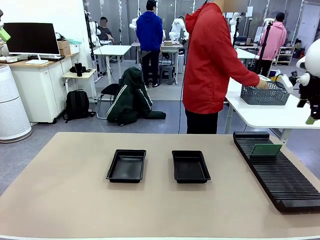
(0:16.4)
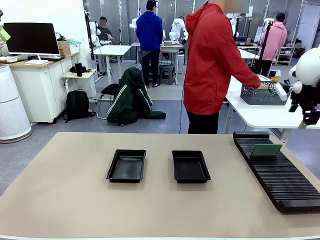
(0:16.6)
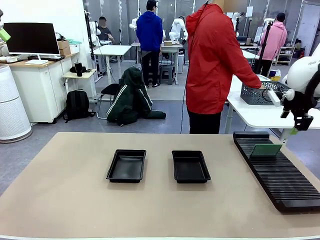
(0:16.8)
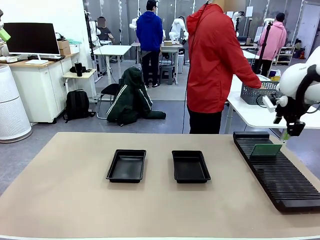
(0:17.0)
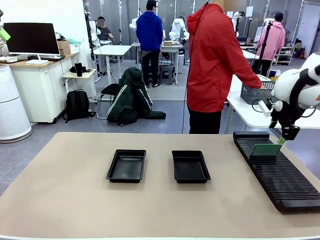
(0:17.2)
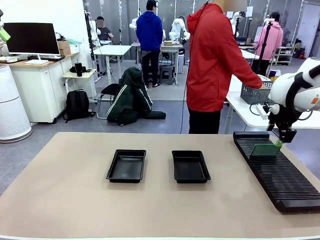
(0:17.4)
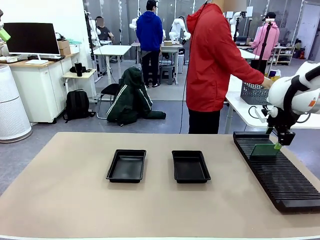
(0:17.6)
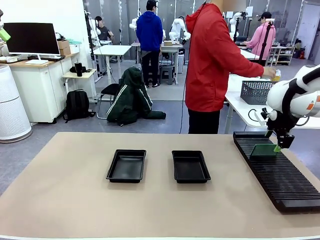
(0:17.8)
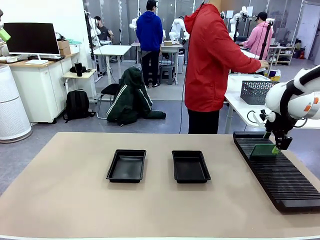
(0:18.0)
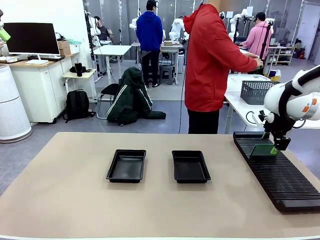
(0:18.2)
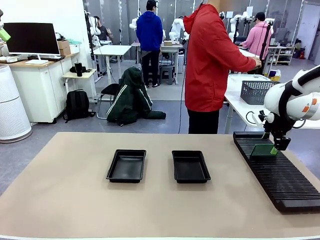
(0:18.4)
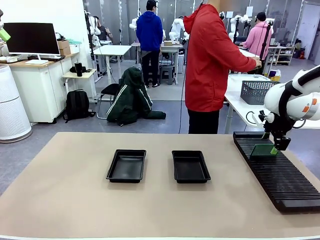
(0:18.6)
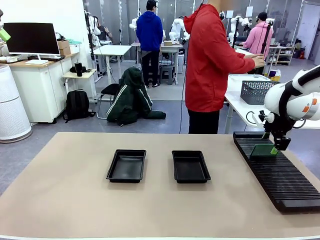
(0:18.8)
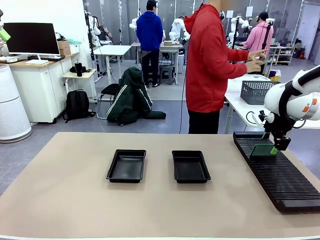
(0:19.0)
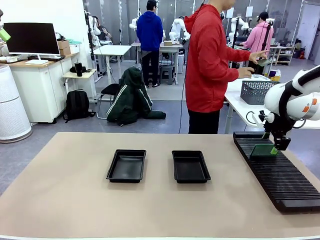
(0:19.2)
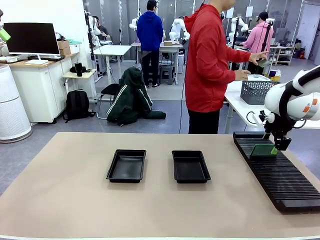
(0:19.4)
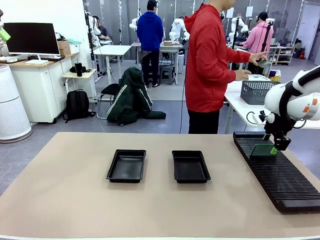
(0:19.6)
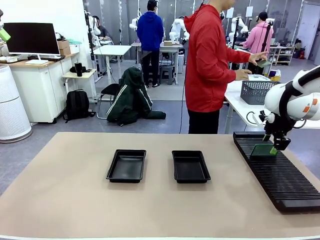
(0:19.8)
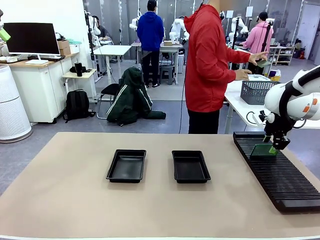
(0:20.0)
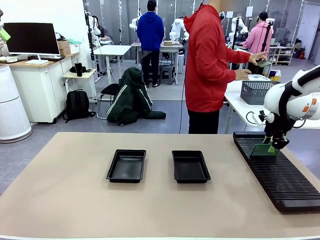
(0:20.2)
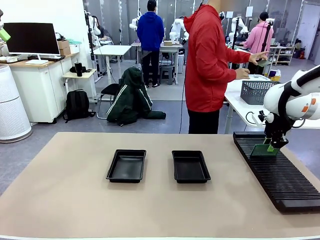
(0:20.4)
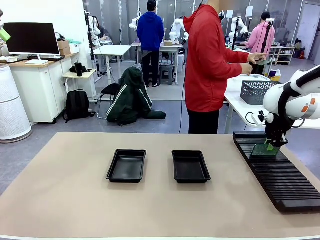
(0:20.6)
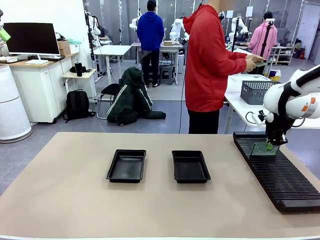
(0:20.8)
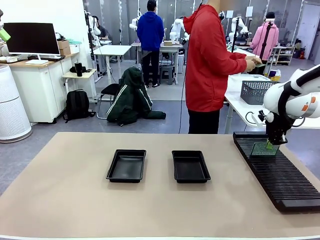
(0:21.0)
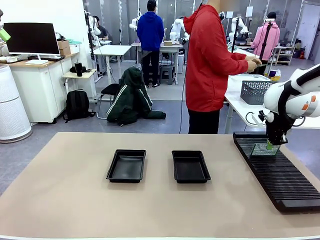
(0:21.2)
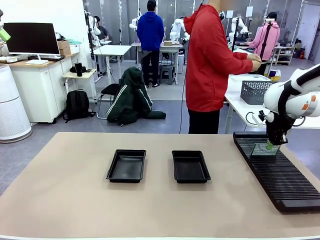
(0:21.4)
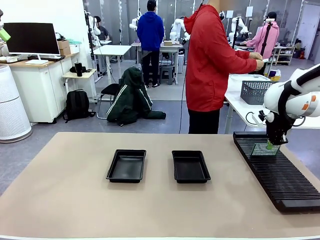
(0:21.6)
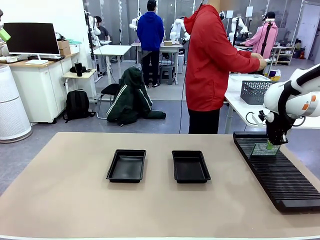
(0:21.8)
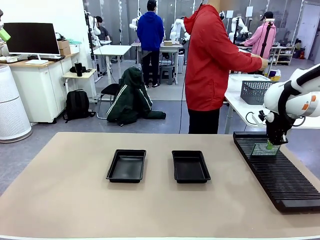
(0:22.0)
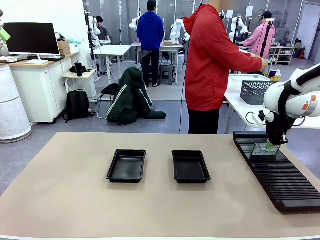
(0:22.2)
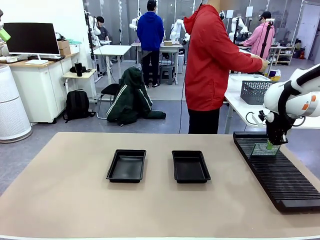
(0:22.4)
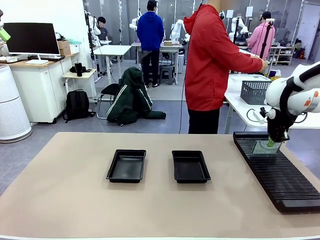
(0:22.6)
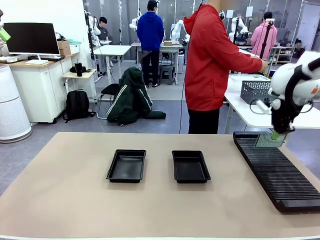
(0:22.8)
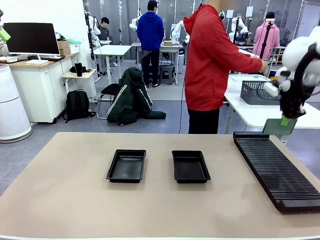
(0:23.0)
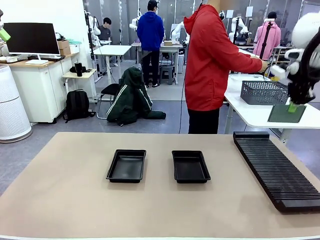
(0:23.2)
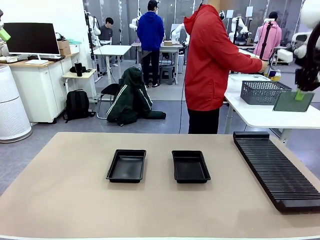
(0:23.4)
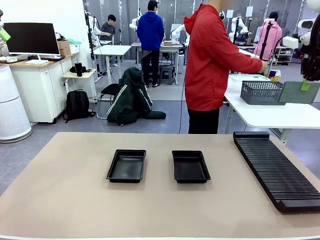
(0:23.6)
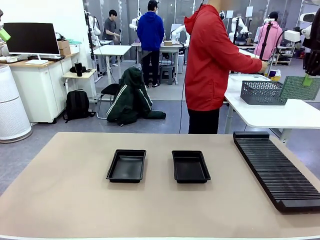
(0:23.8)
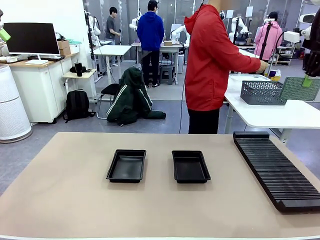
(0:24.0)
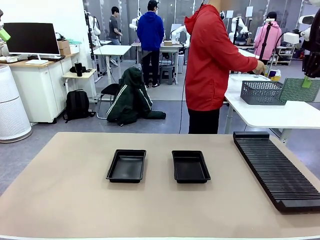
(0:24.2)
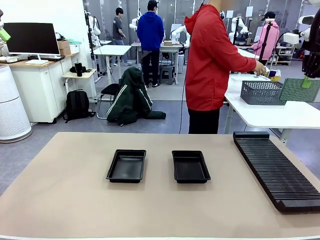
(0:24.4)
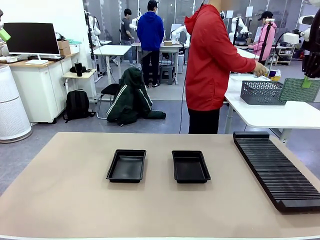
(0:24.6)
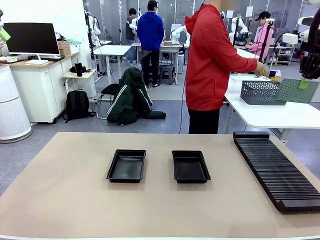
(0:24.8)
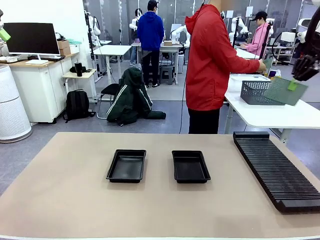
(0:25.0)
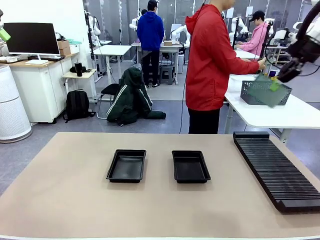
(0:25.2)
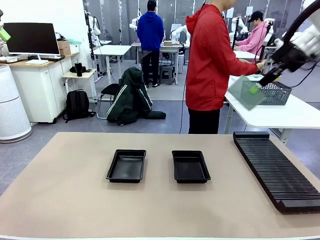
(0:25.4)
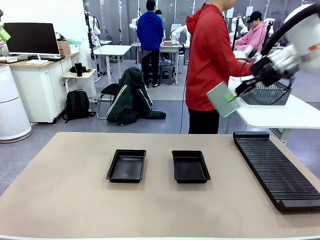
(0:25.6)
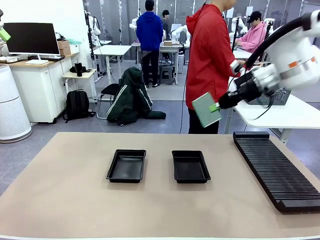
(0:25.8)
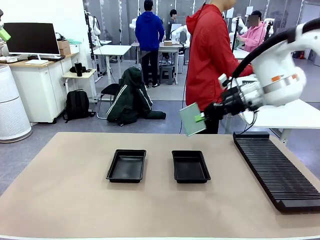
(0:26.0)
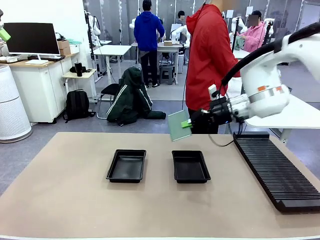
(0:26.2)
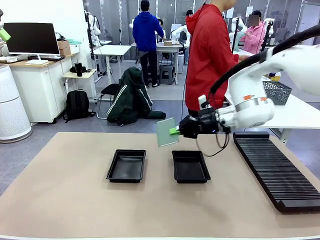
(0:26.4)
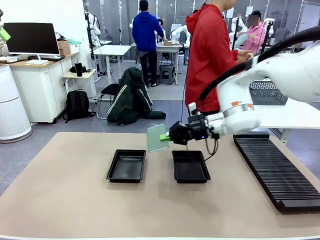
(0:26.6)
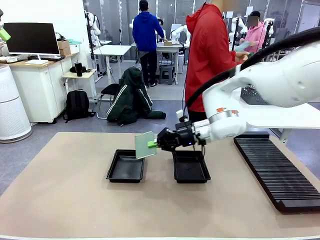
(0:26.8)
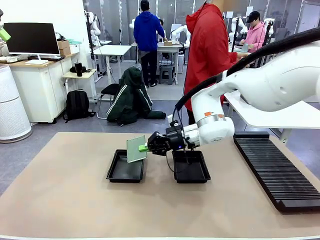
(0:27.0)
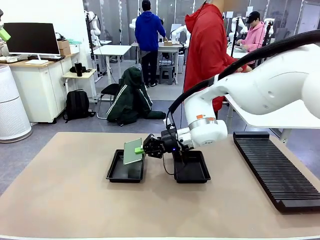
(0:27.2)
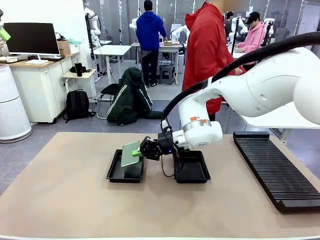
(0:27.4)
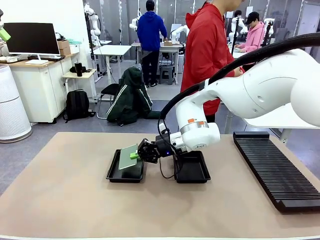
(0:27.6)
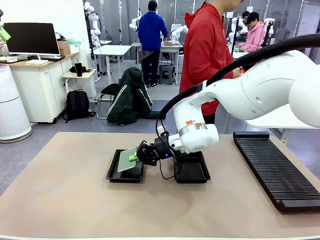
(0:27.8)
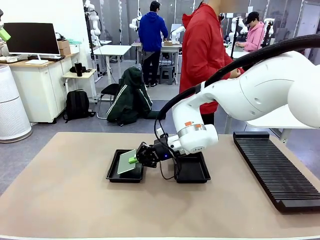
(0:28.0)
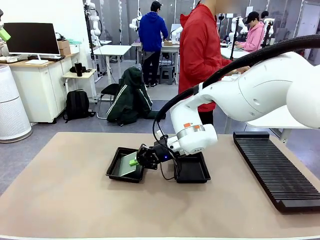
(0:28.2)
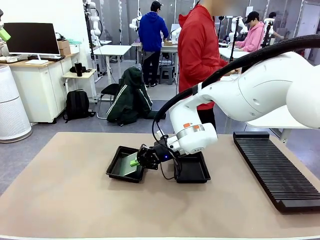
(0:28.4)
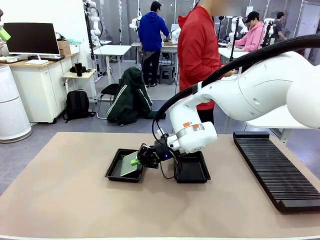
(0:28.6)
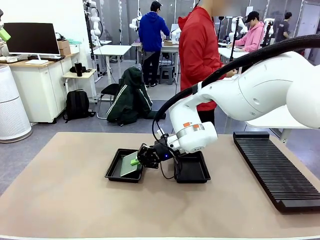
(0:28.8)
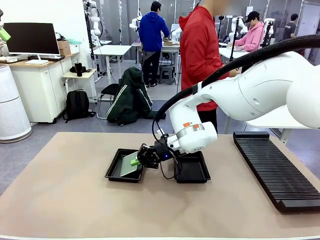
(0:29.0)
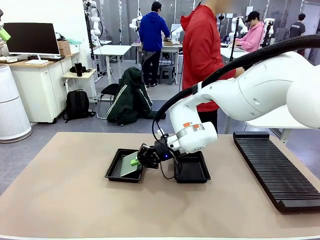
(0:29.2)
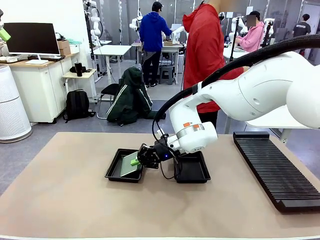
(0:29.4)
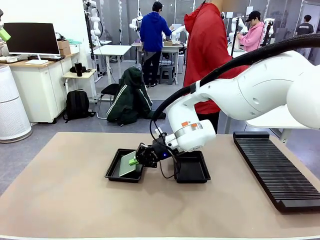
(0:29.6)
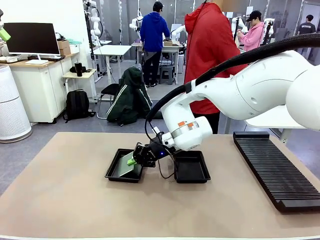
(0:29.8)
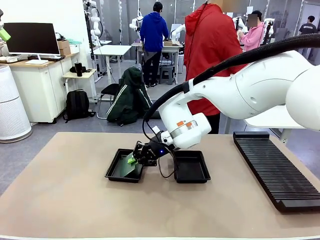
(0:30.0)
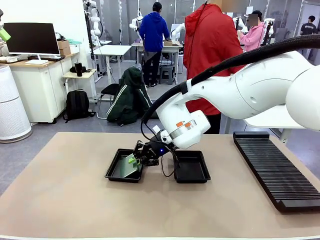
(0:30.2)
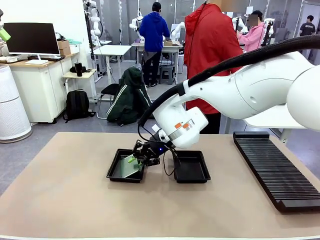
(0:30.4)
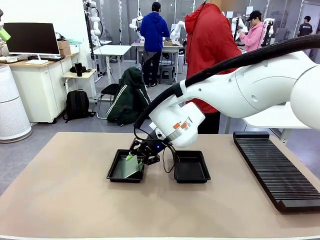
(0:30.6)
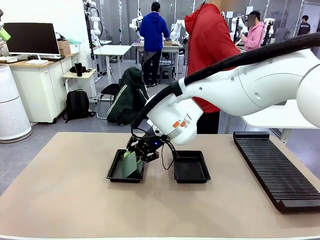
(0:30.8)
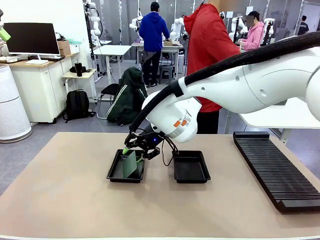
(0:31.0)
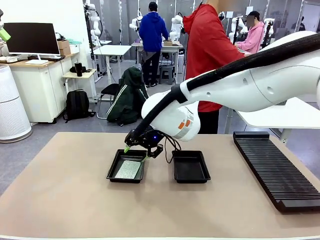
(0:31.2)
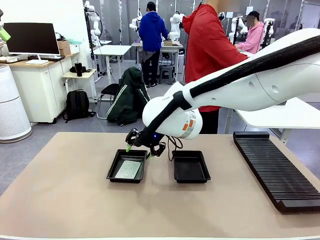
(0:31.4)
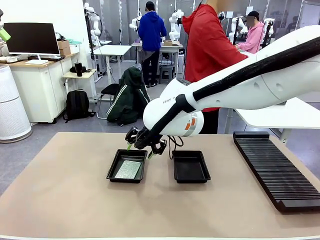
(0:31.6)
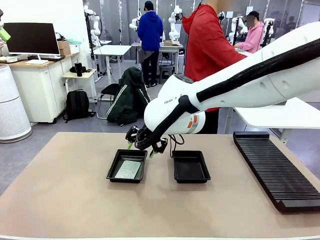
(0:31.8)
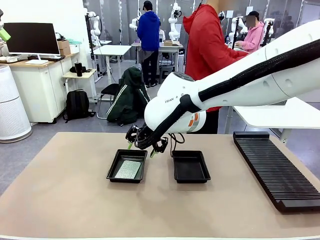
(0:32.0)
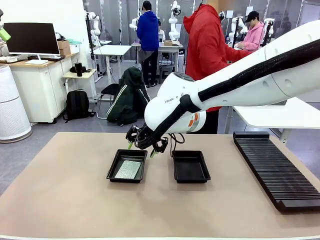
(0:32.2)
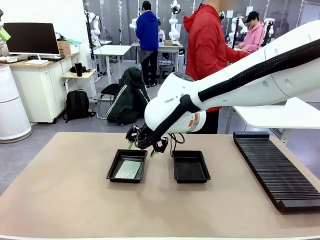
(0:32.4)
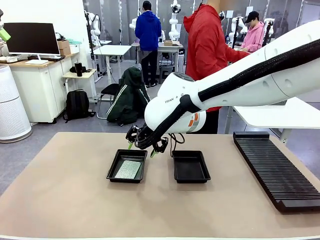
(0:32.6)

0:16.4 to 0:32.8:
Task: Inspect and transfer BCBs to ESD trays.
Robot: Pick up the Blank PCB from the PCB Rack and place it in the left ESD tray.
